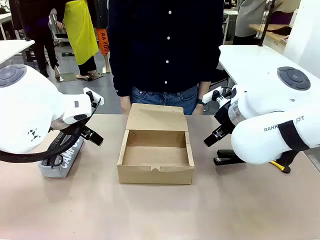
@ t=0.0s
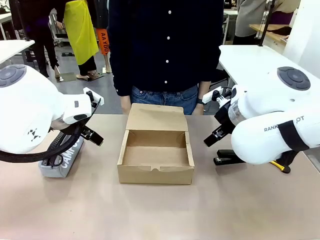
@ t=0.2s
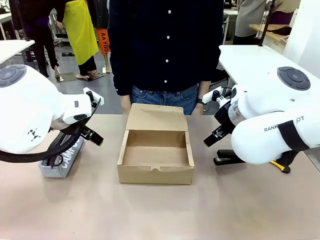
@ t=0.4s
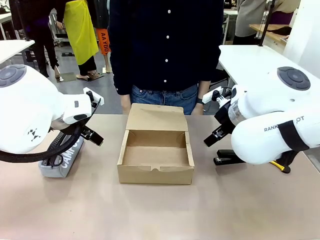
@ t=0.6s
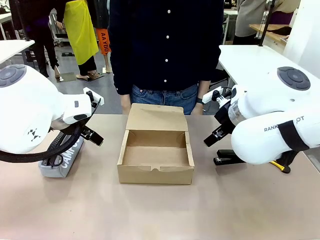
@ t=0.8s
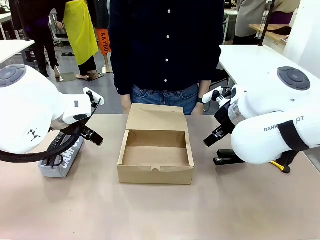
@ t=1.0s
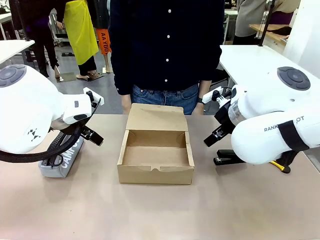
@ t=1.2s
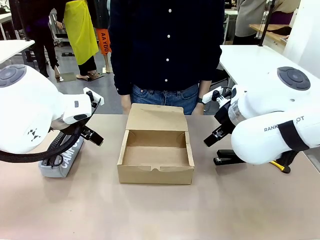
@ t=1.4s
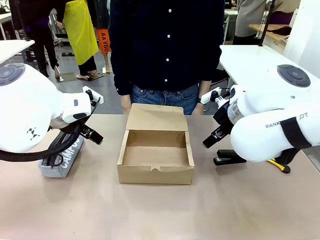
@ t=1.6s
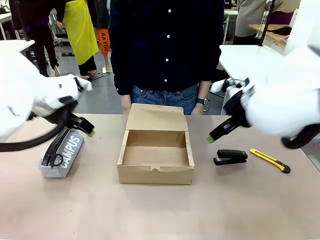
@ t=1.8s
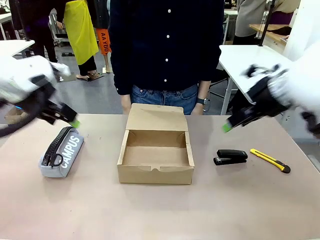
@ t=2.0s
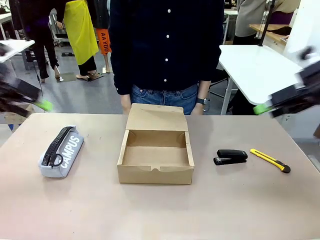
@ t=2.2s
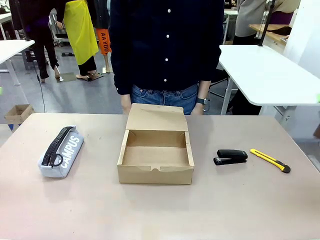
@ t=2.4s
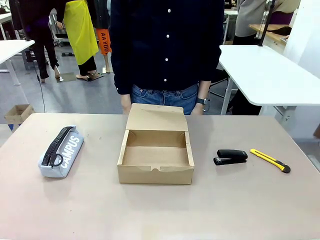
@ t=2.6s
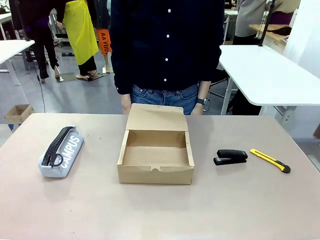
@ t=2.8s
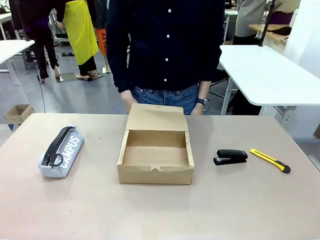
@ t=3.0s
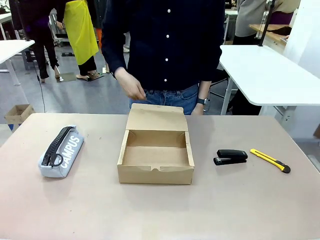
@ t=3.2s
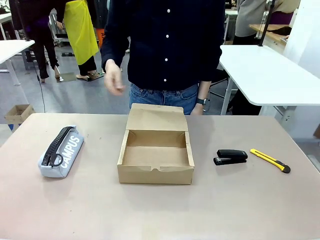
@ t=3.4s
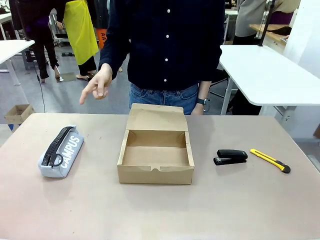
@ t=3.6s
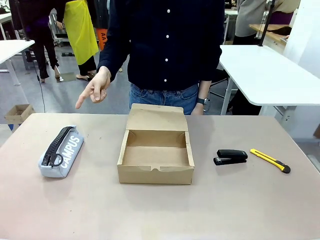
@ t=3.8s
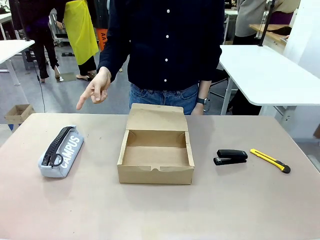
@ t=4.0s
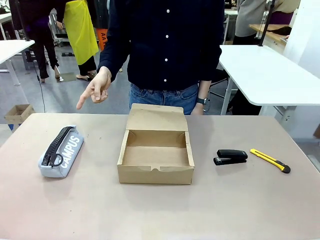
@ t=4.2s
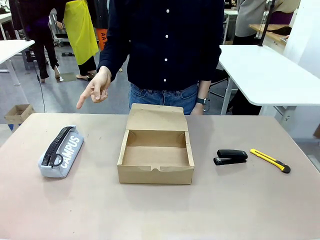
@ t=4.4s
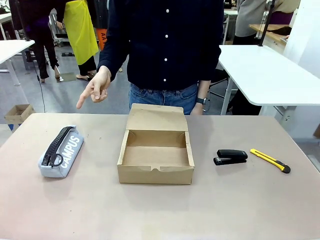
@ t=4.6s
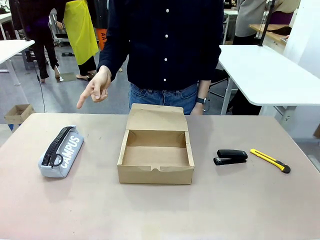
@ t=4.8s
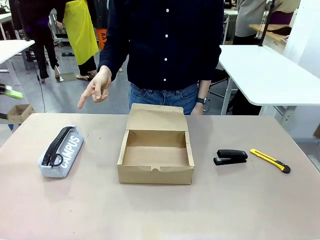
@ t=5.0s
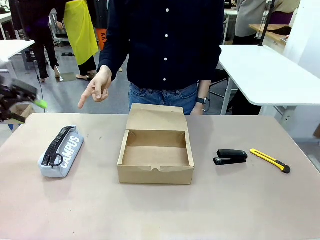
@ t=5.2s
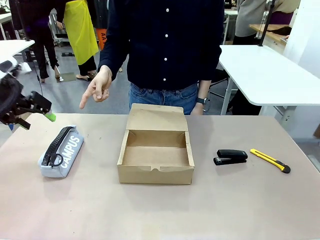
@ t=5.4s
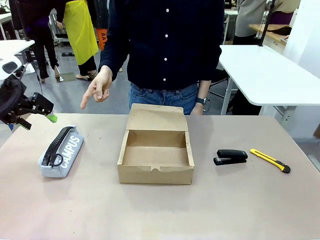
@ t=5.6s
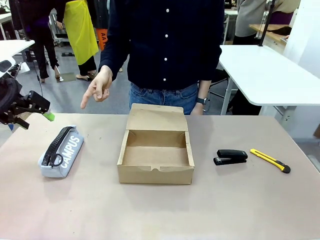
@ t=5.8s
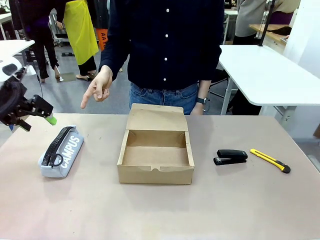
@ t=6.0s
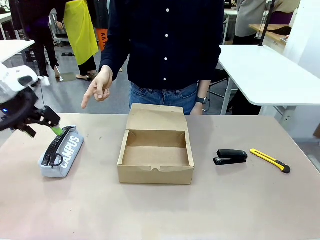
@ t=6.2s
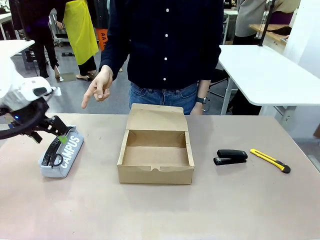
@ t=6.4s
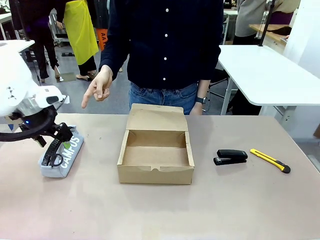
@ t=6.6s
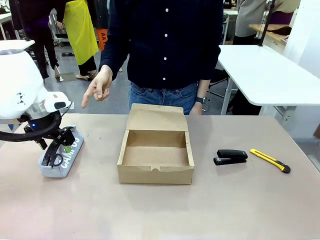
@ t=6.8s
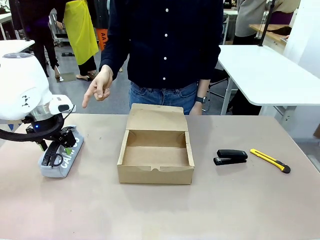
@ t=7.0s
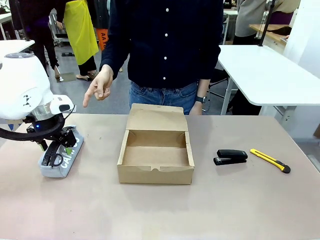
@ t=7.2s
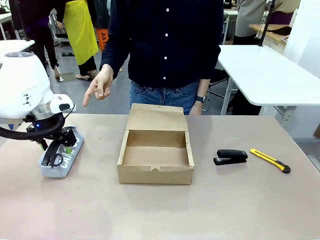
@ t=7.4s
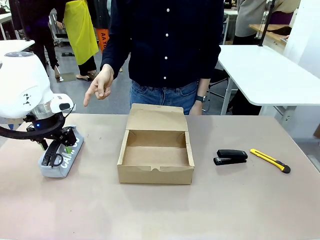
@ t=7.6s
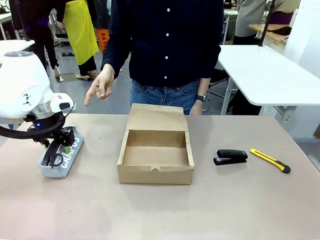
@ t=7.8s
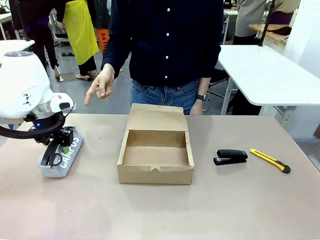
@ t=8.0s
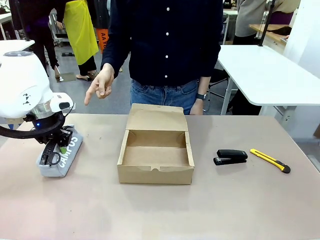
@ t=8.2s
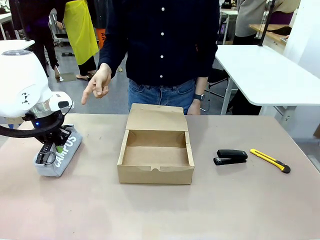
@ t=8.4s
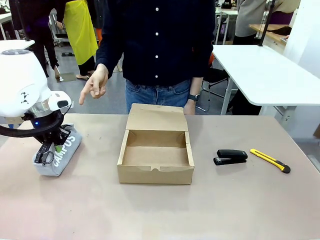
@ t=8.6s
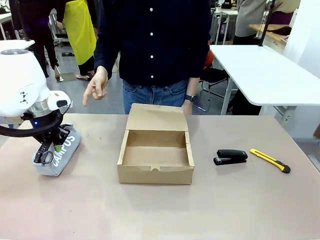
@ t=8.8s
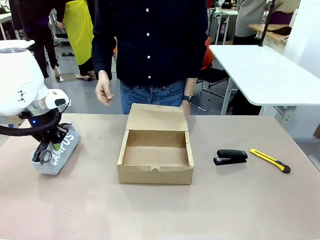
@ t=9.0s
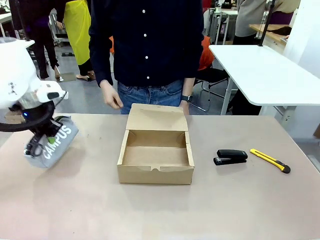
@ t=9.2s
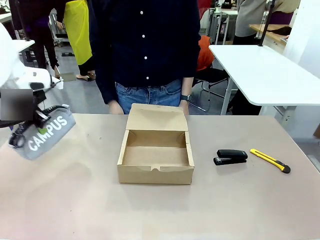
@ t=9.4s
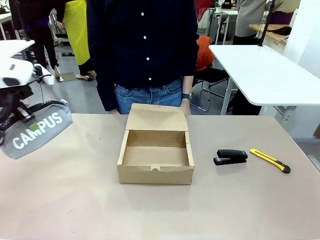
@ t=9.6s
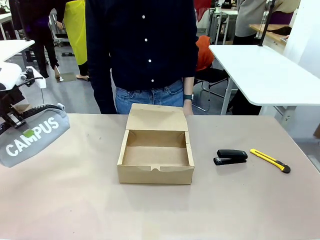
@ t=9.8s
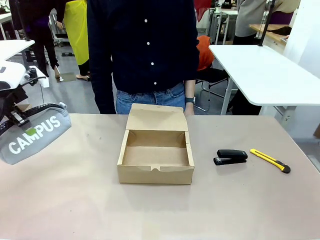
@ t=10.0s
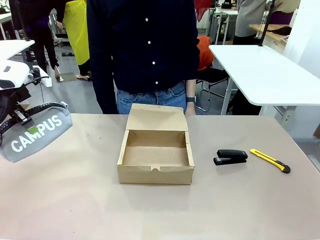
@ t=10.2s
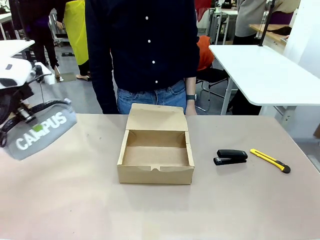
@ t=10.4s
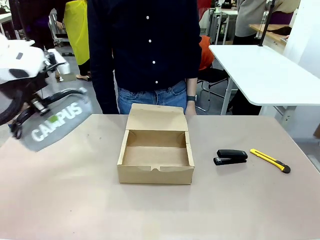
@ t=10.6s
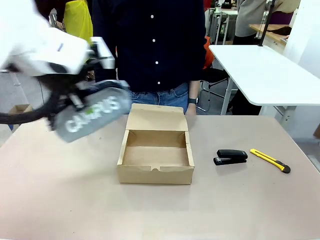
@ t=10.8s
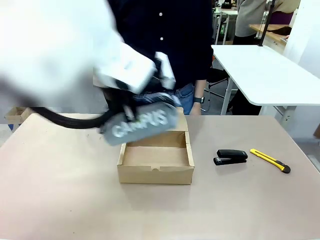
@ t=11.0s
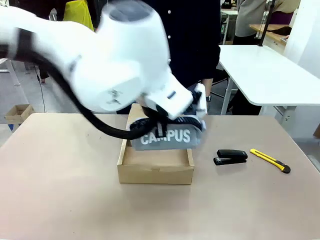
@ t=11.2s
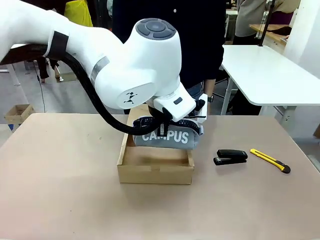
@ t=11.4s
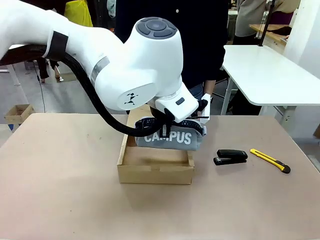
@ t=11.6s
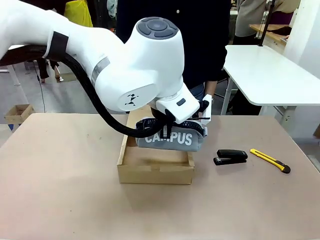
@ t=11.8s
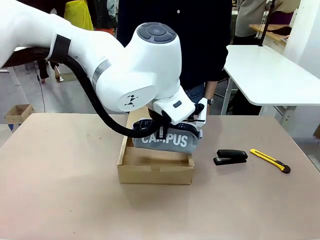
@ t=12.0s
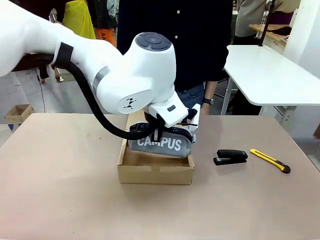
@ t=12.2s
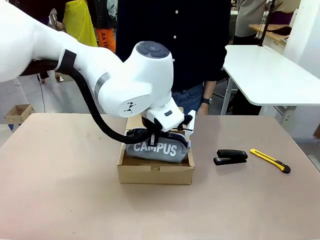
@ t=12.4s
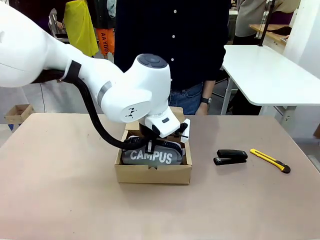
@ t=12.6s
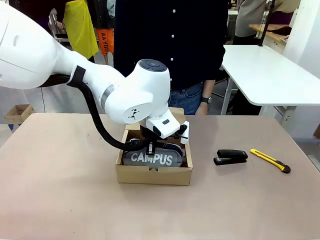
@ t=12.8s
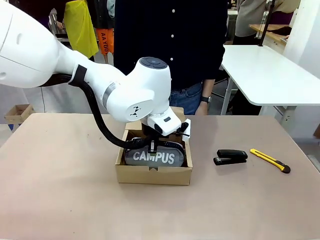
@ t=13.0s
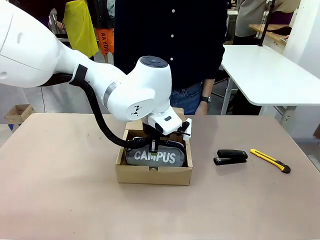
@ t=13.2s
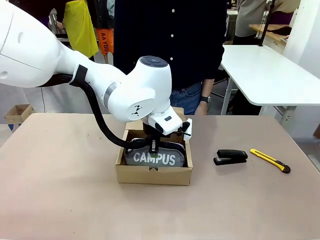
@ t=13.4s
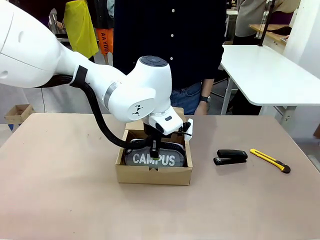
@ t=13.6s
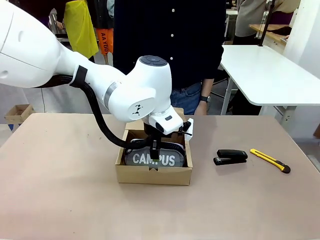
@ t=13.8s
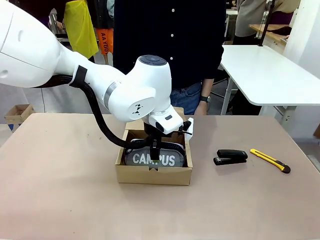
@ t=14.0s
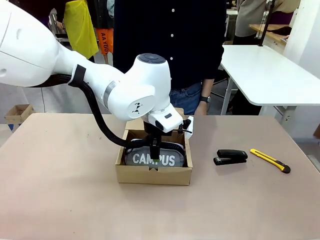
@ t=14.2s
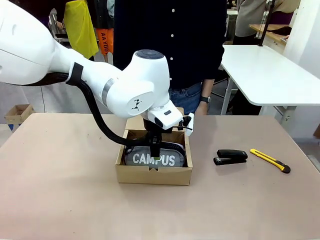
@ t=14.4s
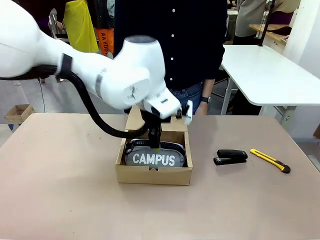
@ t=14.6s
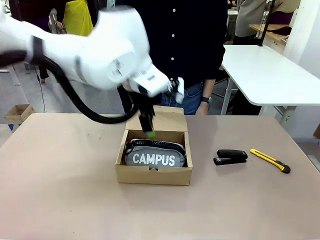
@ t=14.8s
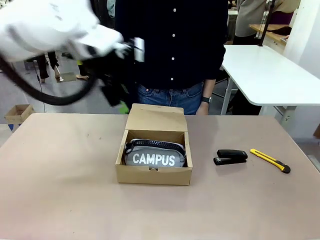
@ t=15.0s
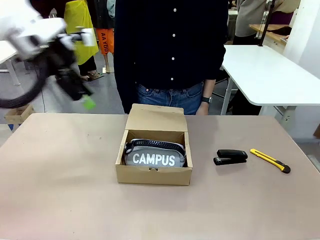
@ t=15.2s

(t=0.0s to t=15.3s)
Task: Pack the items into the box.
Robot: Pick up the item specified by the human and place it in the Mailer Box.
Person: Point at one item on the table (excluding the box).
